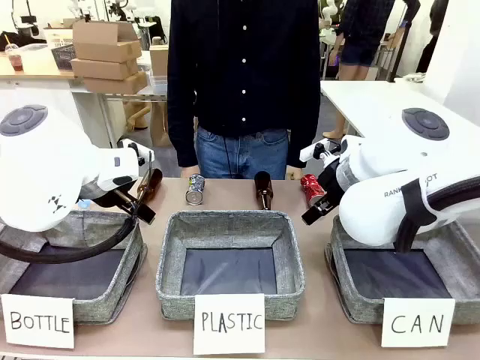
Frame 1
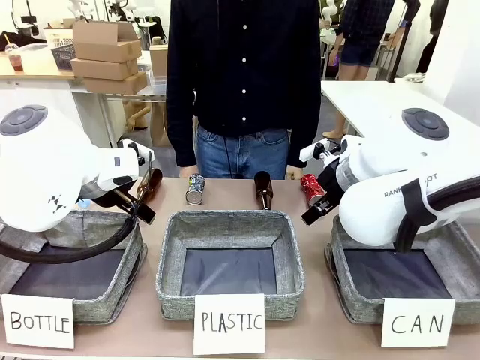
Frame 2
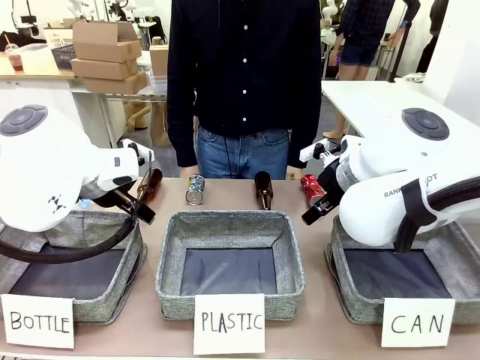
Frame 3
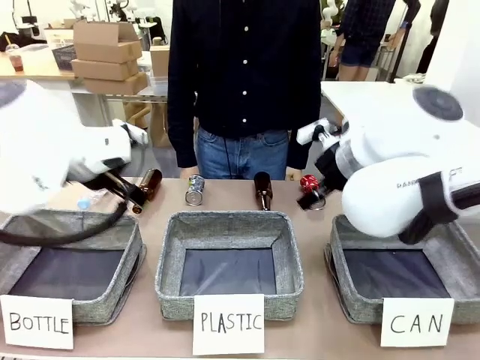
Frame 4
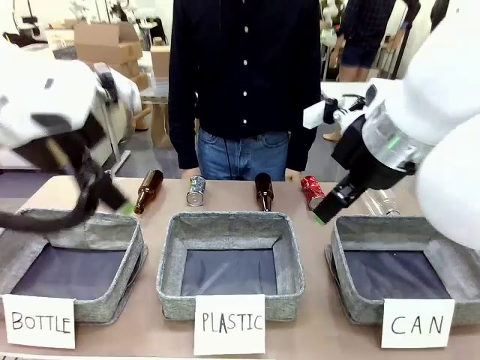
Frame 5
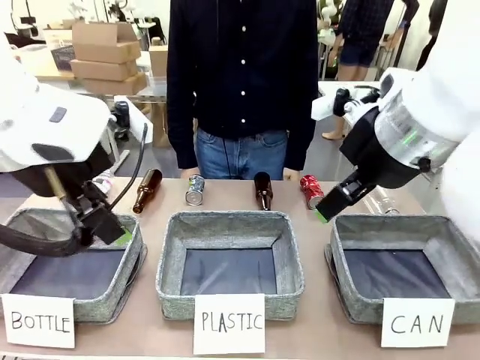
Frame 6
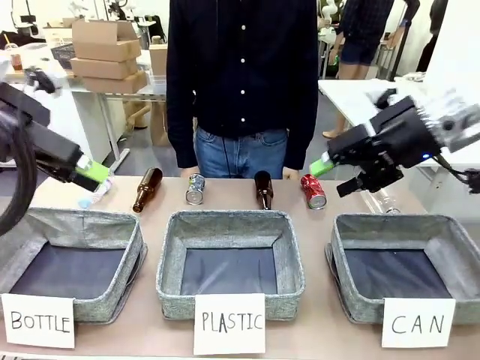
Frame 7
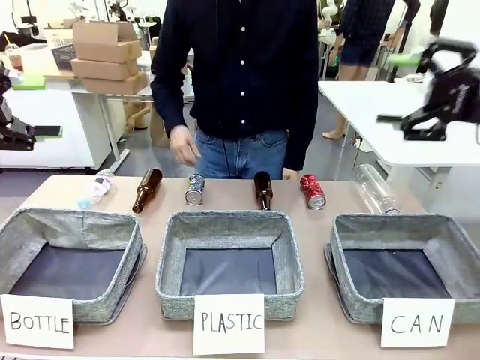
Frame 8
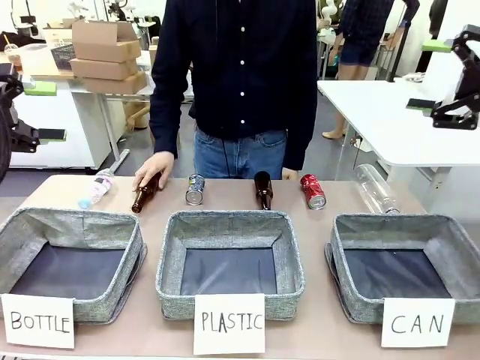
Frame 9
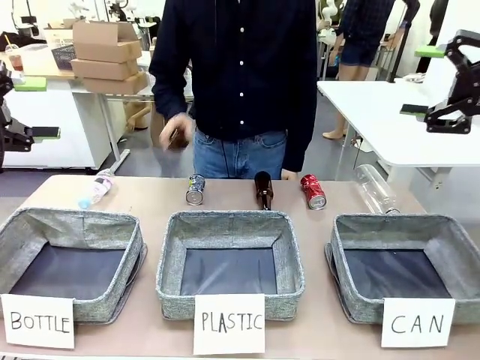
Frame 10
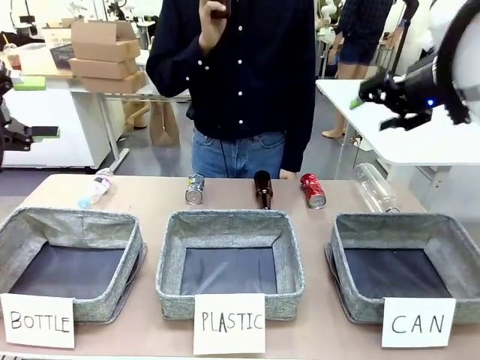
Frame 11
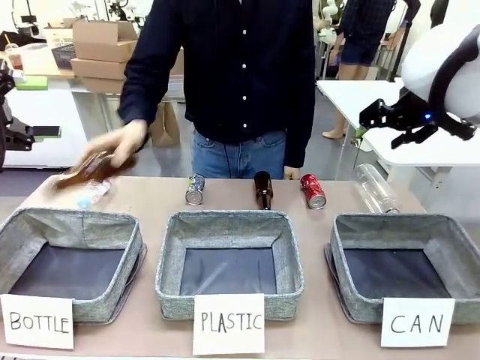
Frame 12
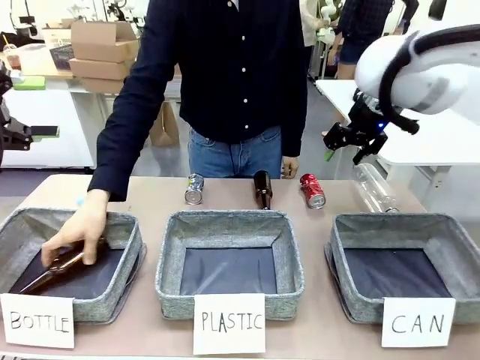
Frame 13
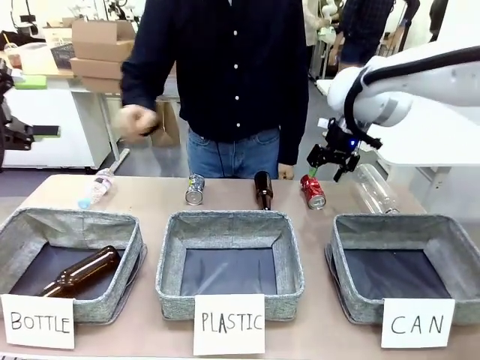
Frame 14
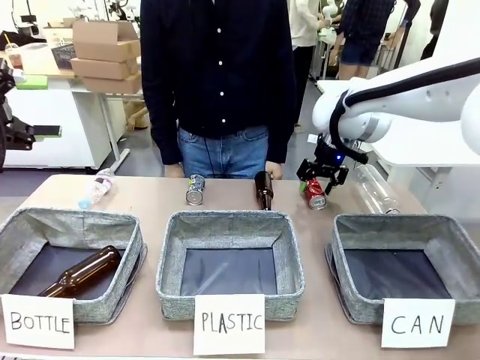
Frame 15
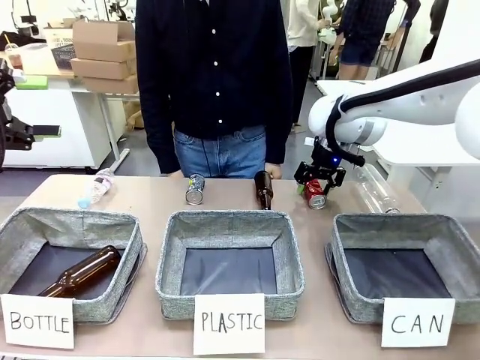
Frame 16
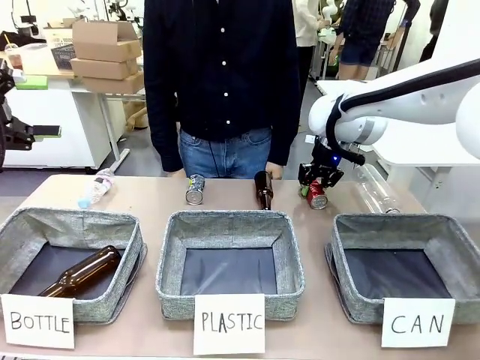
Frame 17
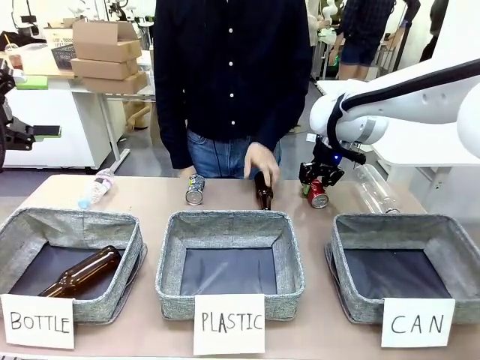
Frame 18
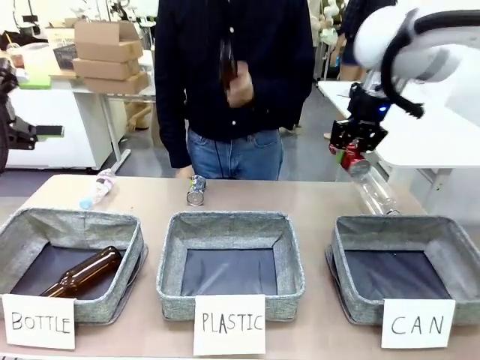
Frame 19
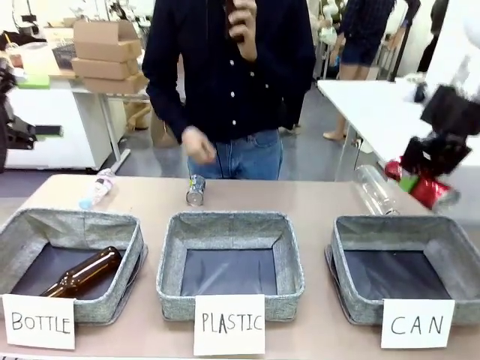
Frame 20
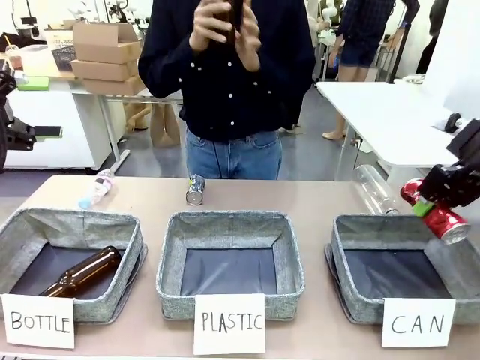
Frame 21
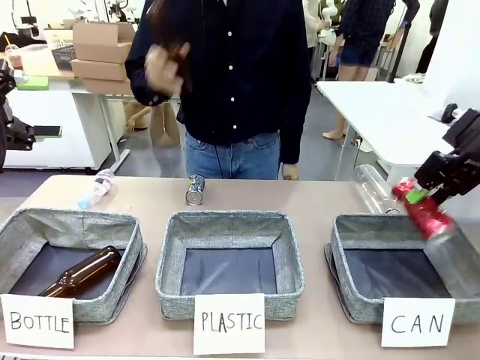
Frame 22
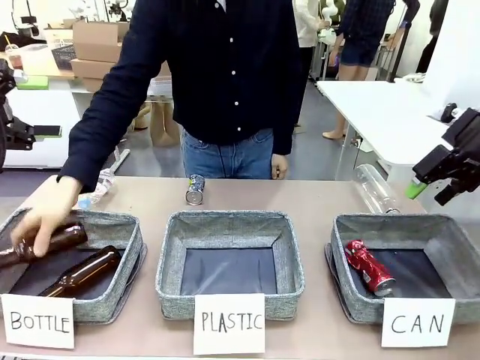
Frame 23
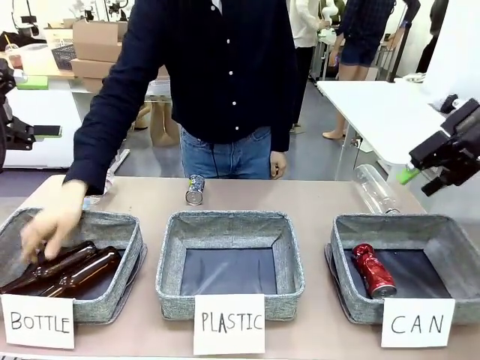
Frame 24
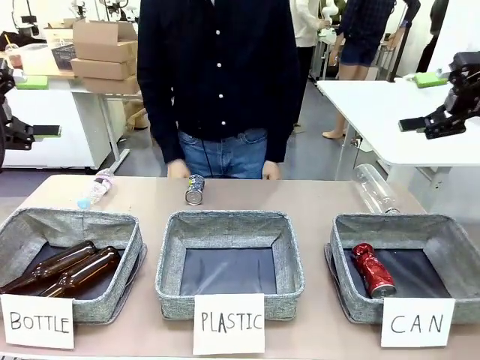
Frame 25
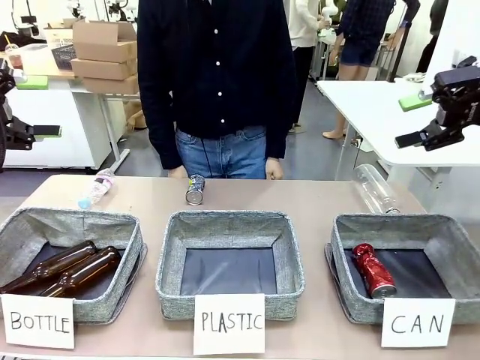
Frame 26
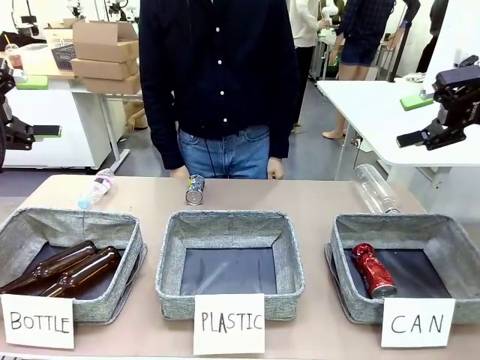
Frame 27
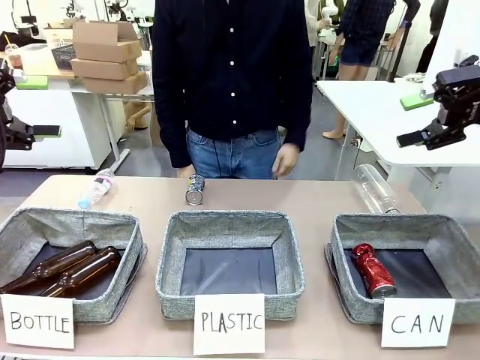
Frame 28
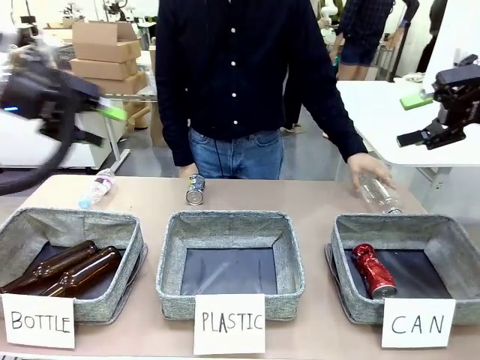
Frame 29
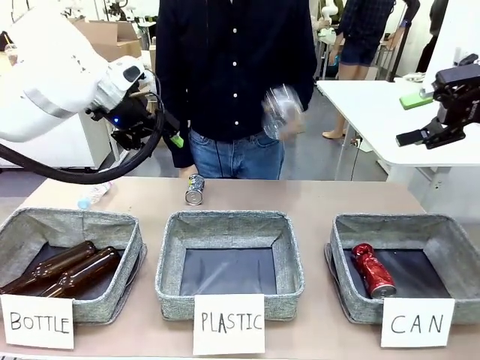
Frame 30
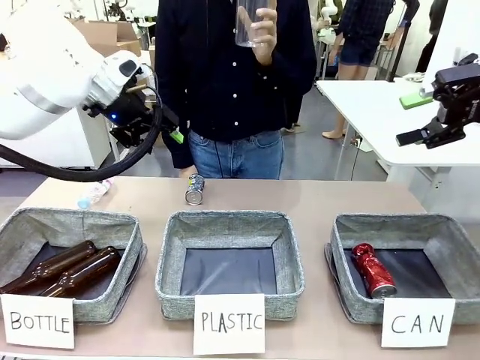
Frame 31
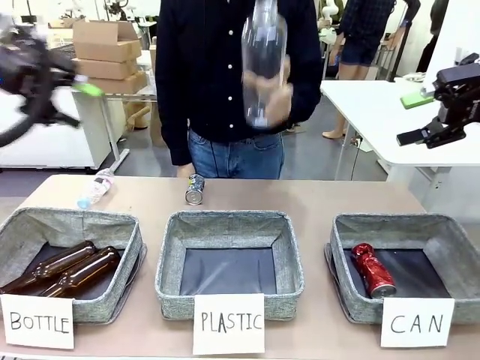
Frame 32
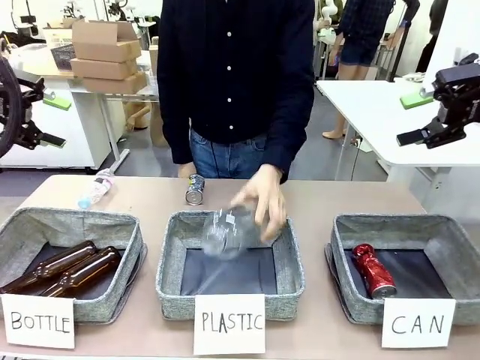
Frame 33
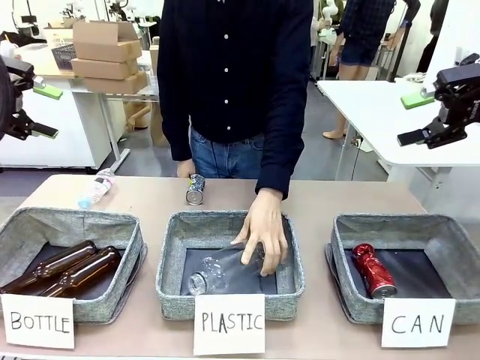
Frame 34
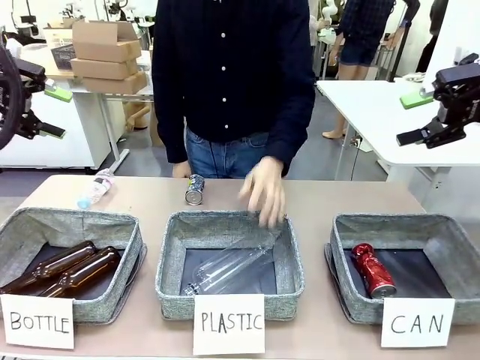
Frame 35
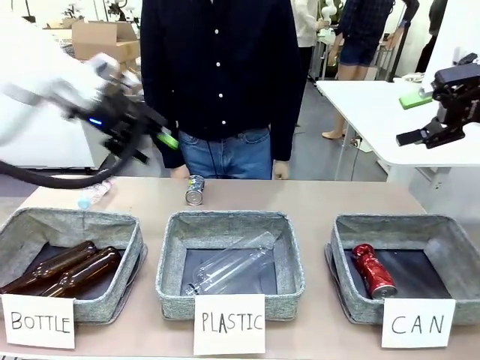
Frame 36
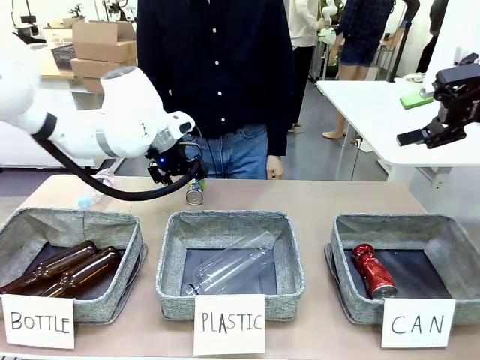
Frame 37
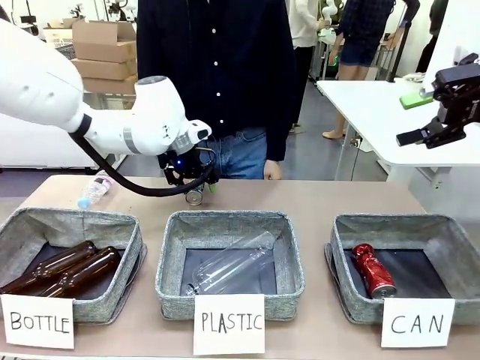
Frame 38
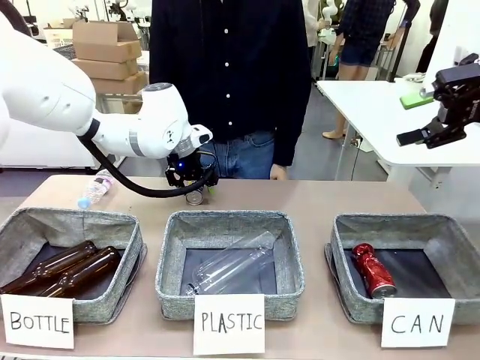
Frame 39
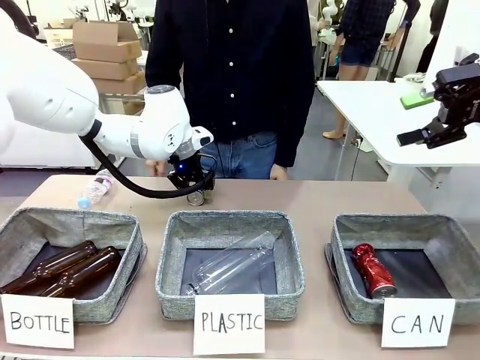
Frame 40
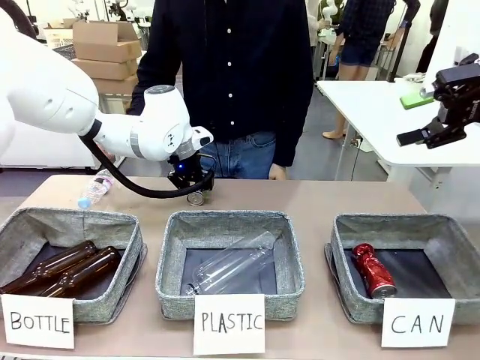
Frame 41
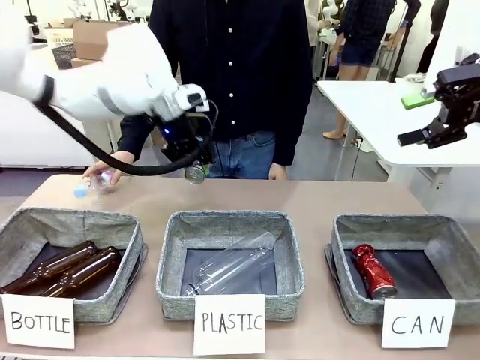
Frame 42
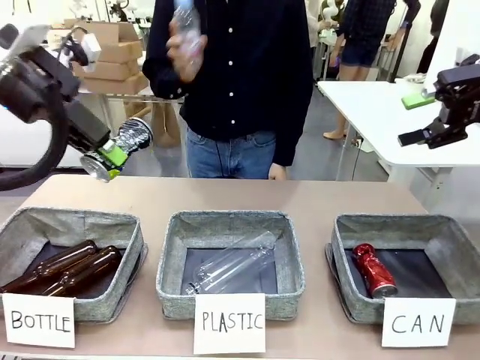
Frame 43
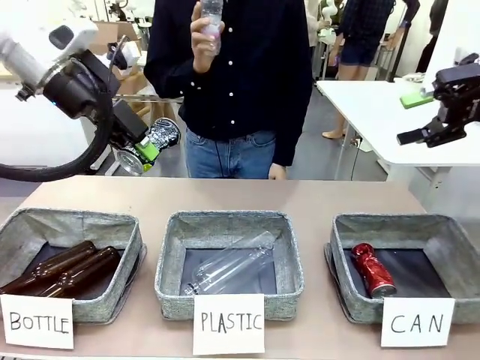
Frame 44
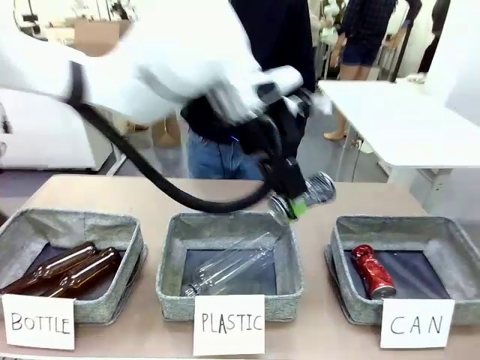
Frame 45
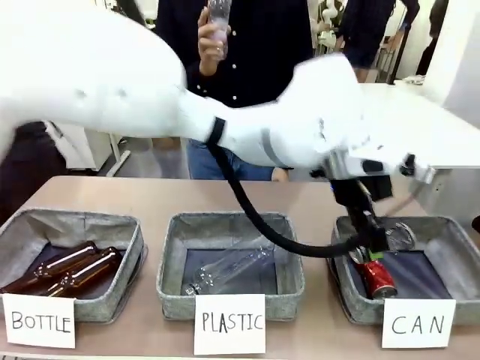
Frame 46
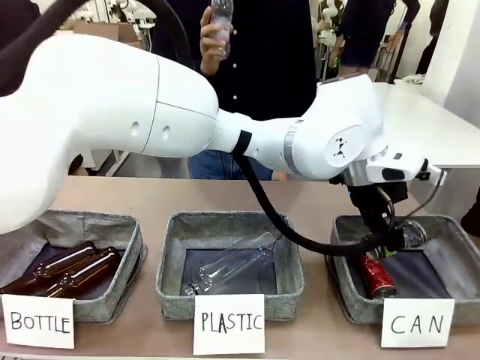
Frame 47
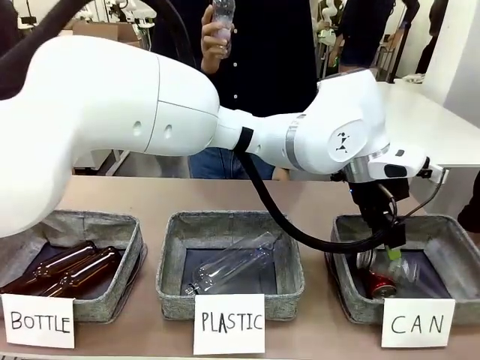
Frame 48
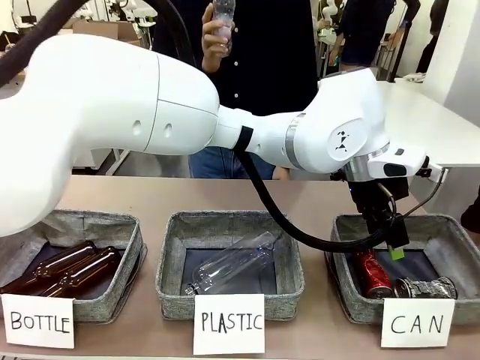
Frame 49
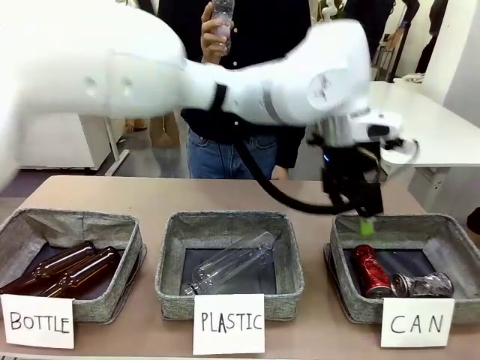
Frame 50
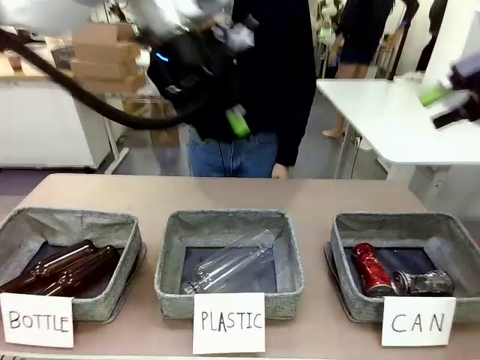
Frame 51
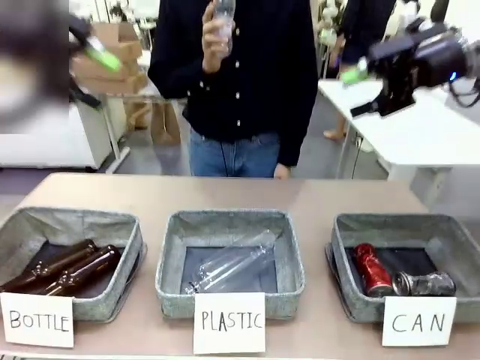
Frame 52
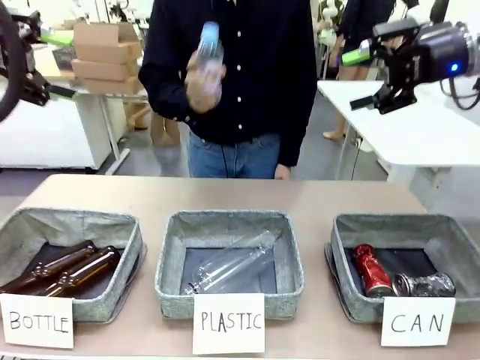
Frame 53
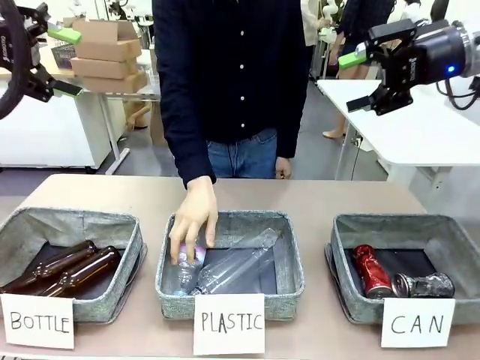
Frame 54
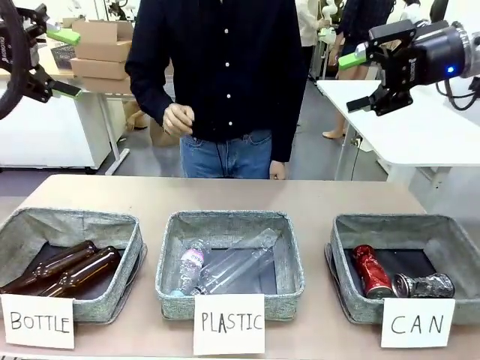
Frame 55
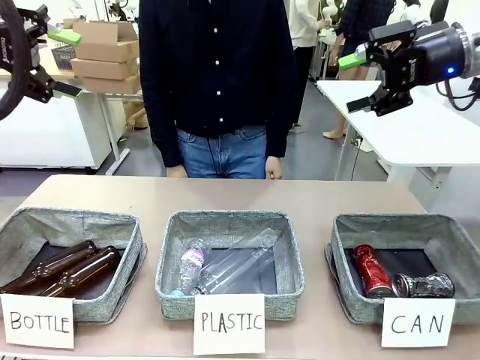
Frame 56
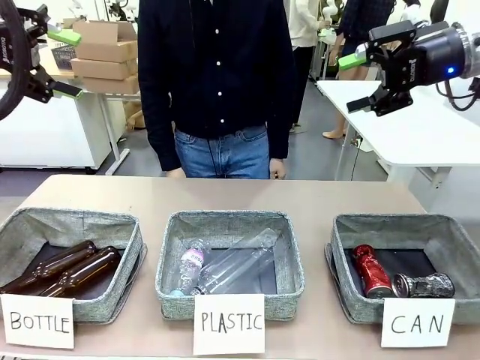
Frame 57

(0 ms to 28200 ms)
Task: Sort the can waste into the basket.
Robot: Pick up the can waste from the table and place it in the right Fabric basket.
Person: The human picks up one piece of trash that is not a can and places the trash into the appropriate organizing basket.
